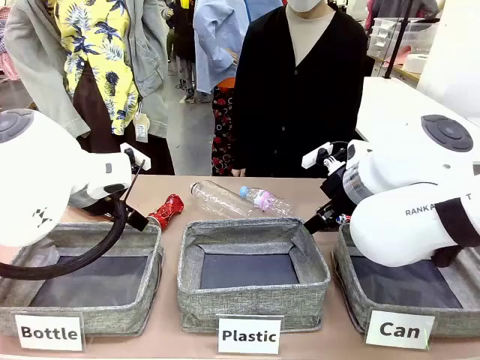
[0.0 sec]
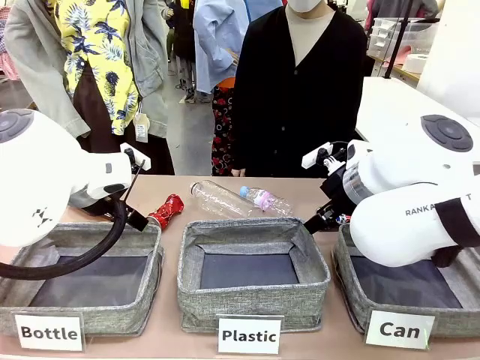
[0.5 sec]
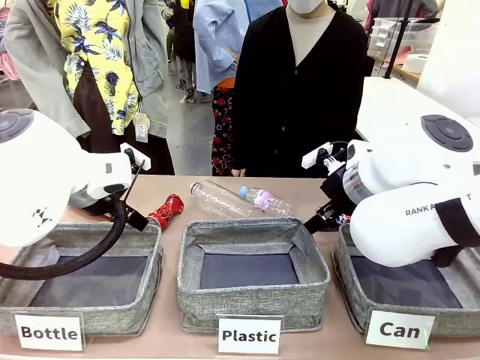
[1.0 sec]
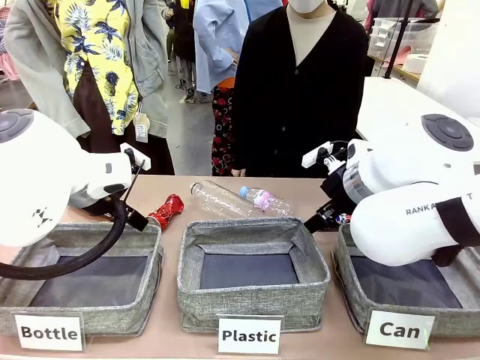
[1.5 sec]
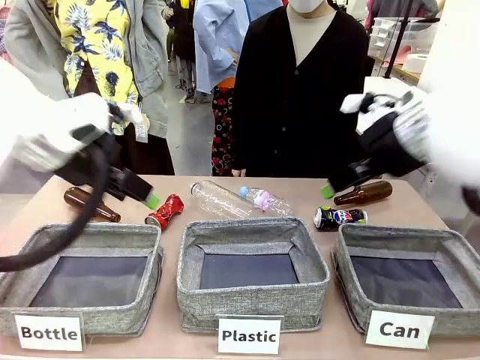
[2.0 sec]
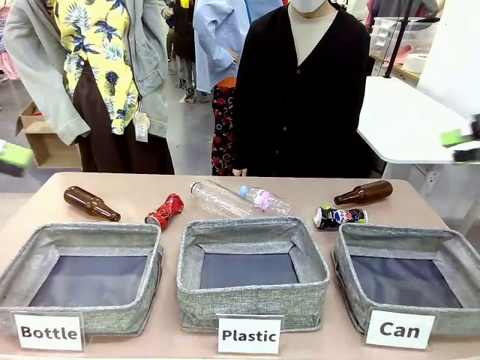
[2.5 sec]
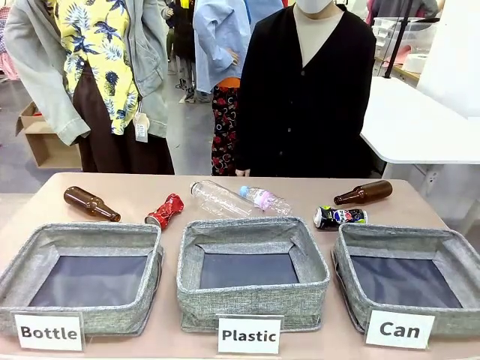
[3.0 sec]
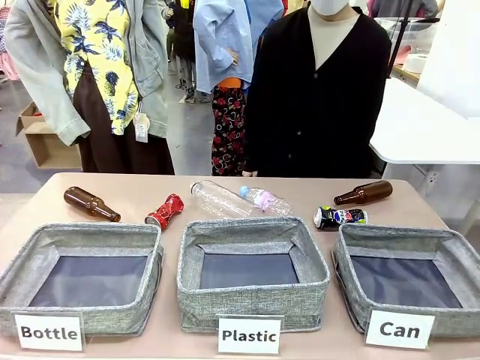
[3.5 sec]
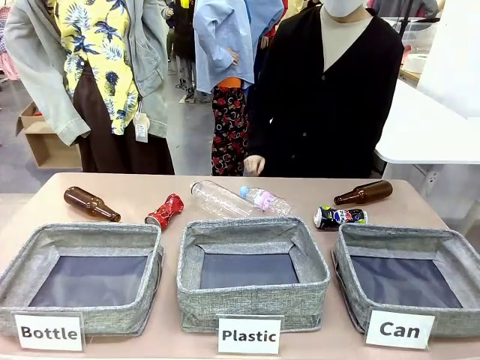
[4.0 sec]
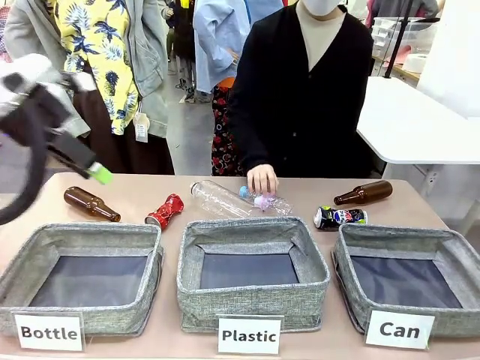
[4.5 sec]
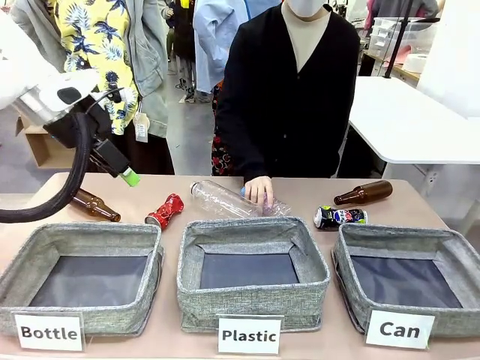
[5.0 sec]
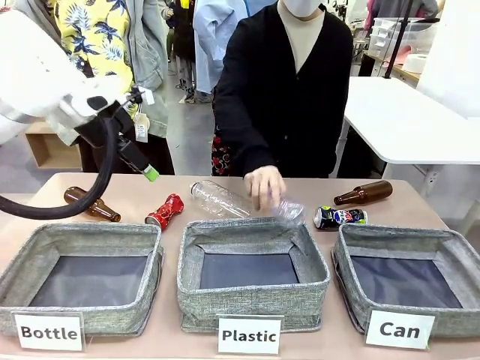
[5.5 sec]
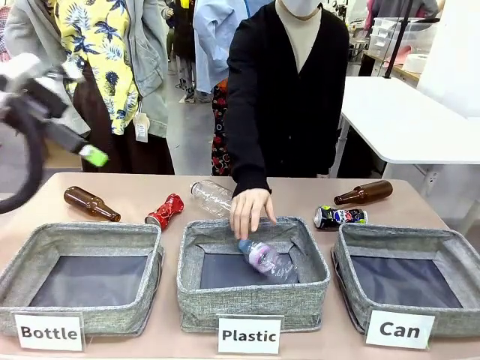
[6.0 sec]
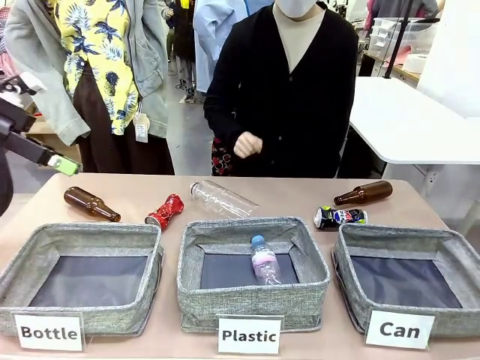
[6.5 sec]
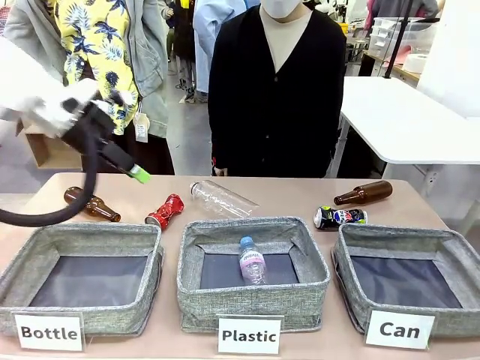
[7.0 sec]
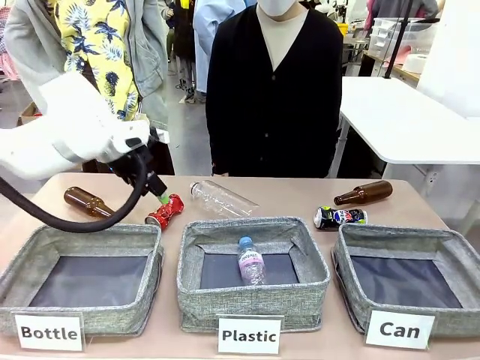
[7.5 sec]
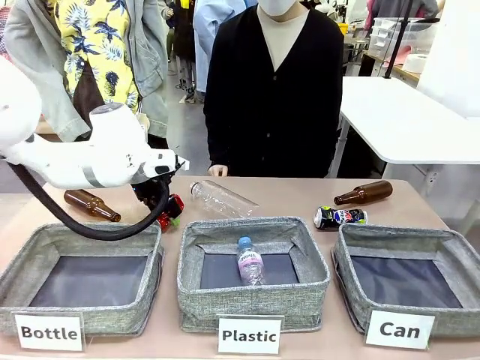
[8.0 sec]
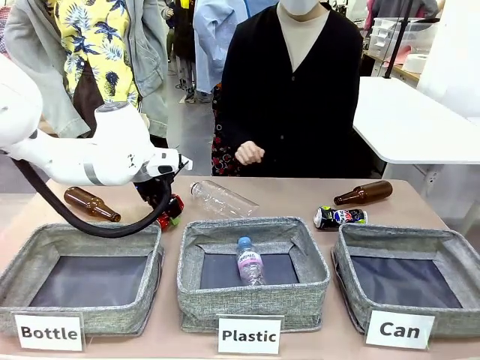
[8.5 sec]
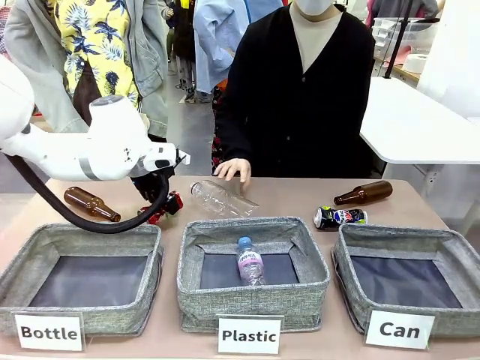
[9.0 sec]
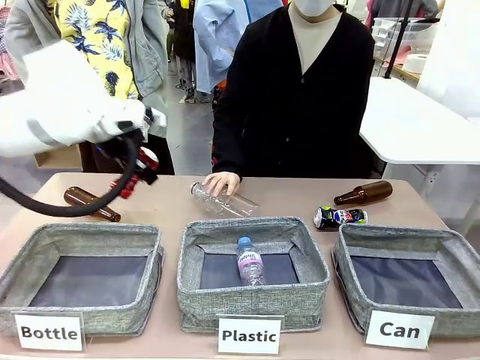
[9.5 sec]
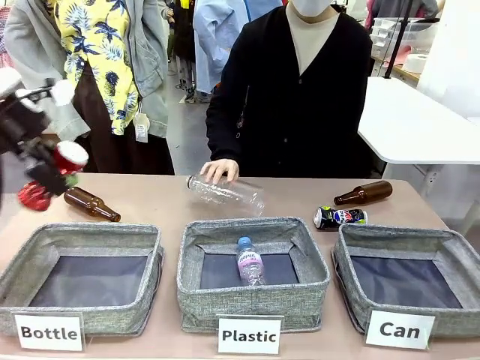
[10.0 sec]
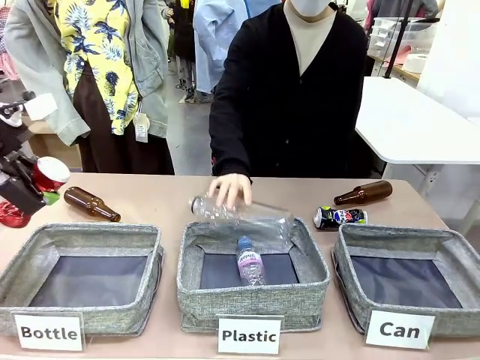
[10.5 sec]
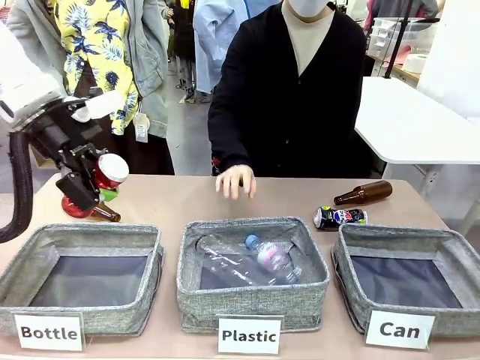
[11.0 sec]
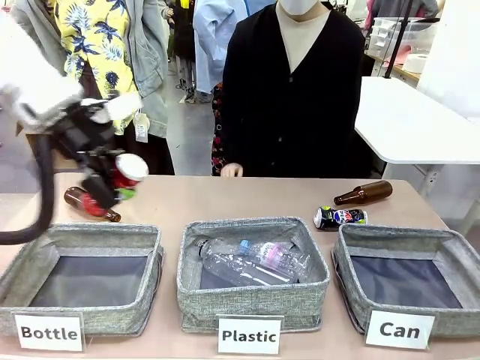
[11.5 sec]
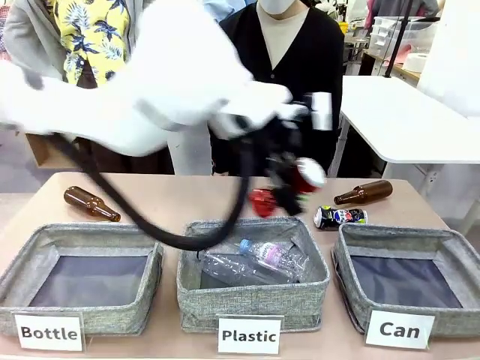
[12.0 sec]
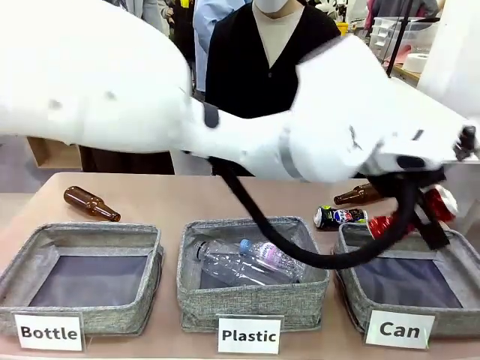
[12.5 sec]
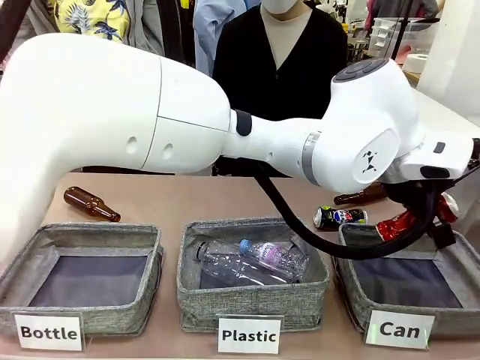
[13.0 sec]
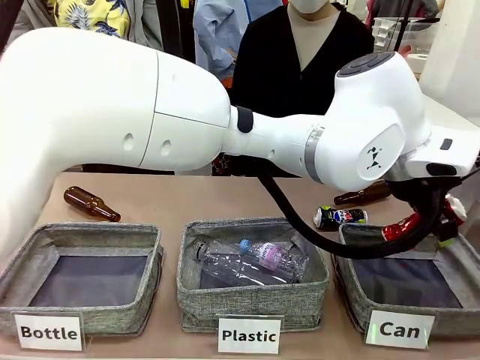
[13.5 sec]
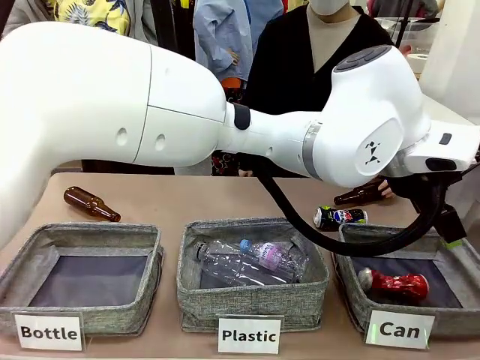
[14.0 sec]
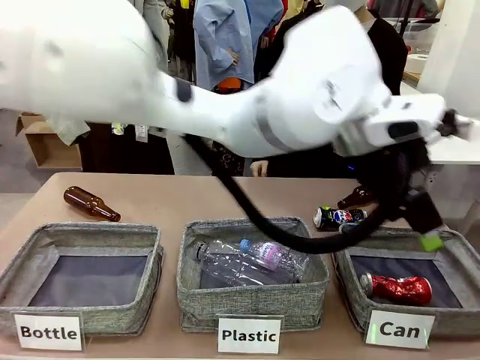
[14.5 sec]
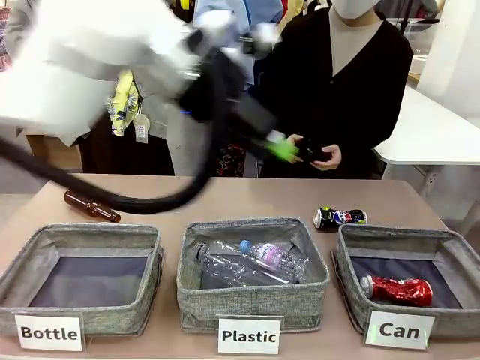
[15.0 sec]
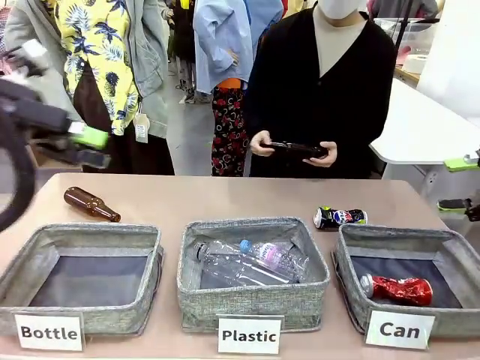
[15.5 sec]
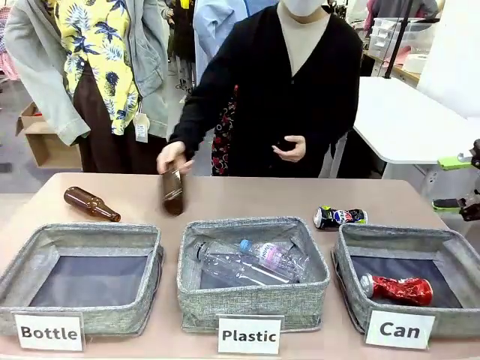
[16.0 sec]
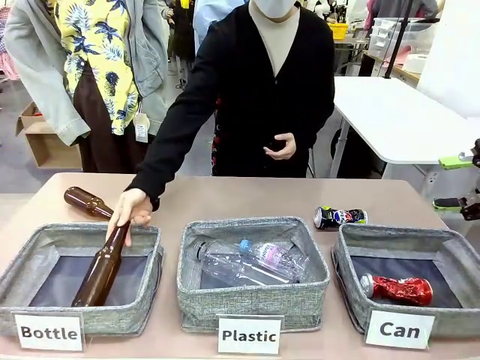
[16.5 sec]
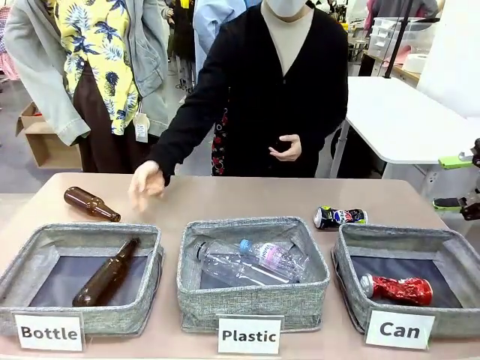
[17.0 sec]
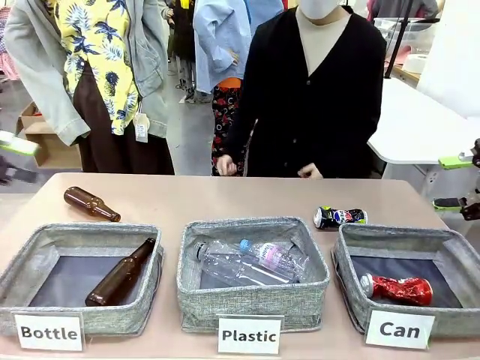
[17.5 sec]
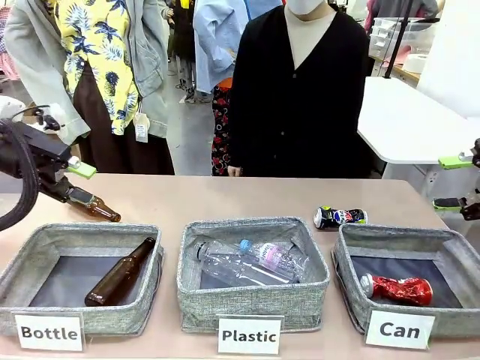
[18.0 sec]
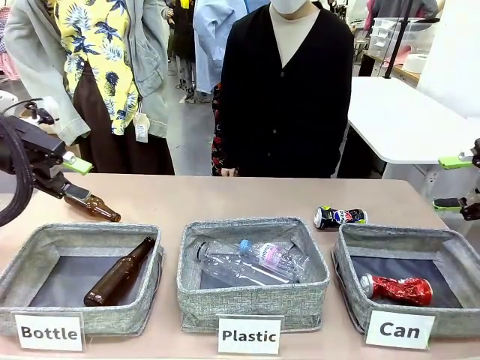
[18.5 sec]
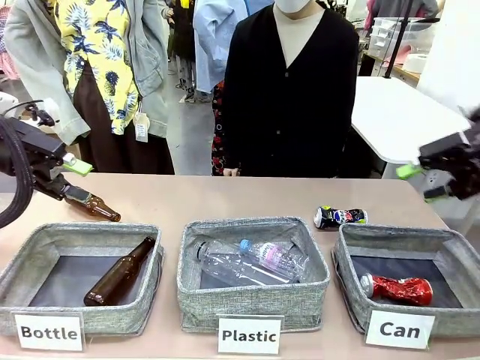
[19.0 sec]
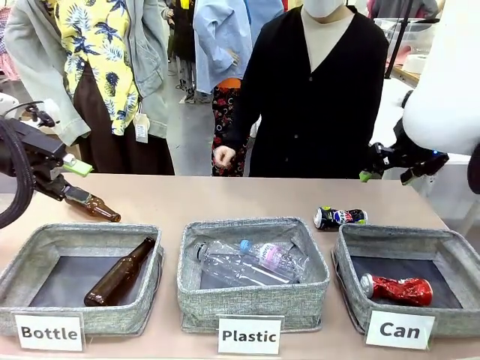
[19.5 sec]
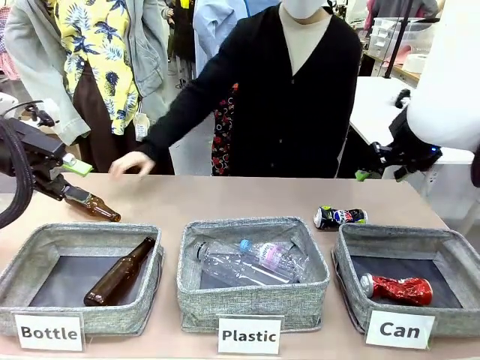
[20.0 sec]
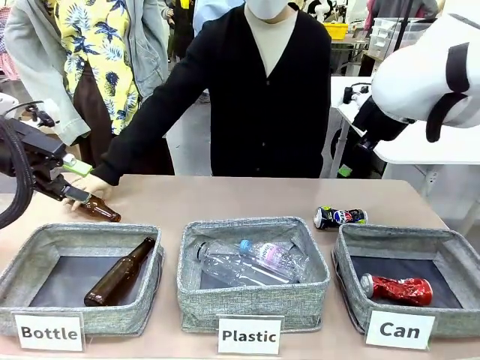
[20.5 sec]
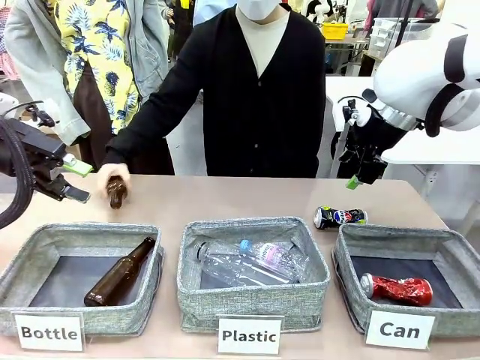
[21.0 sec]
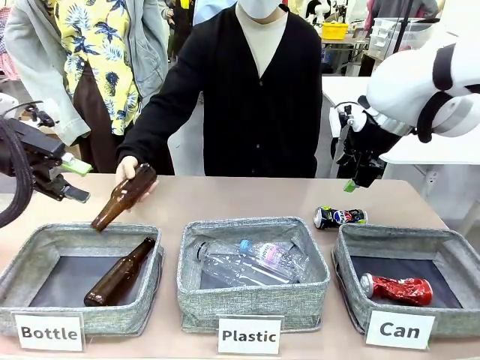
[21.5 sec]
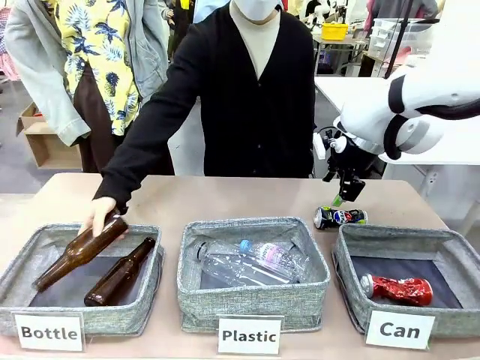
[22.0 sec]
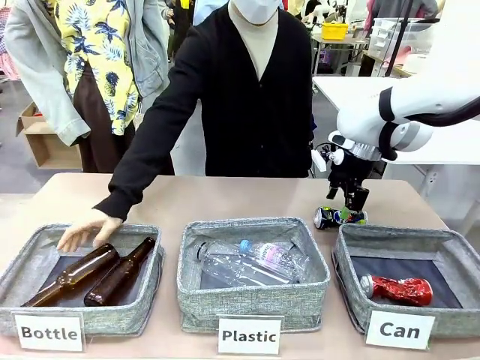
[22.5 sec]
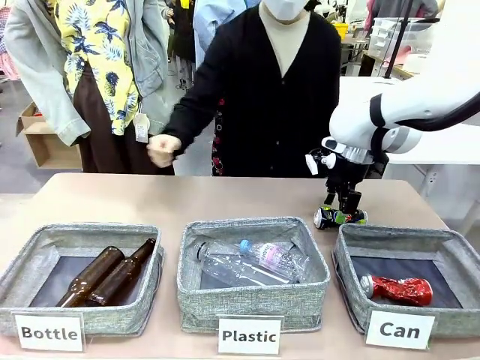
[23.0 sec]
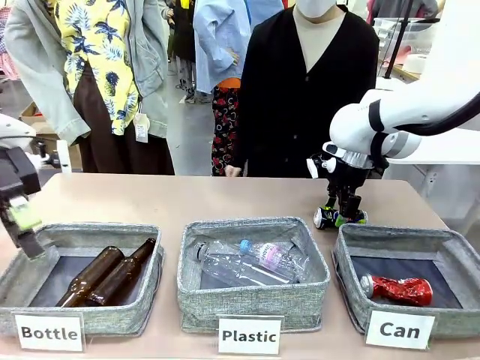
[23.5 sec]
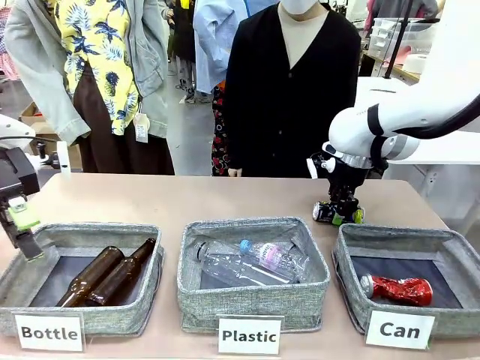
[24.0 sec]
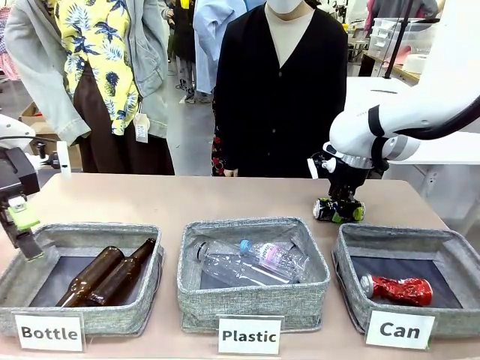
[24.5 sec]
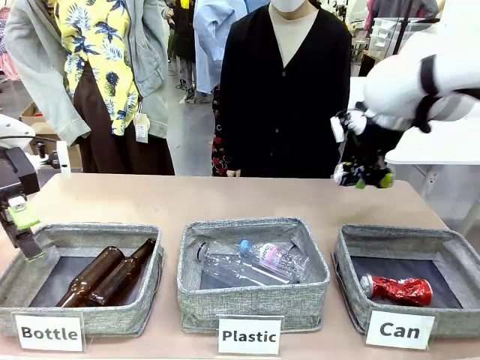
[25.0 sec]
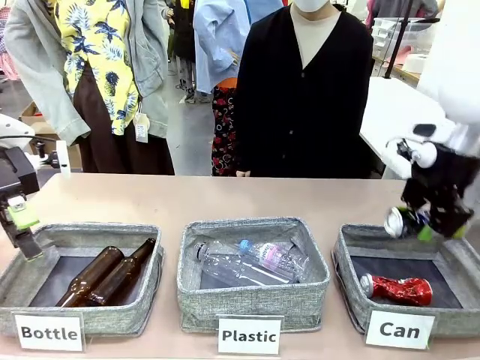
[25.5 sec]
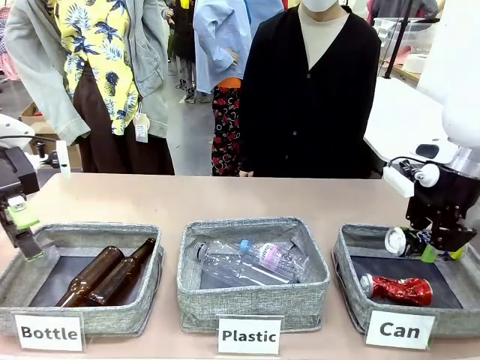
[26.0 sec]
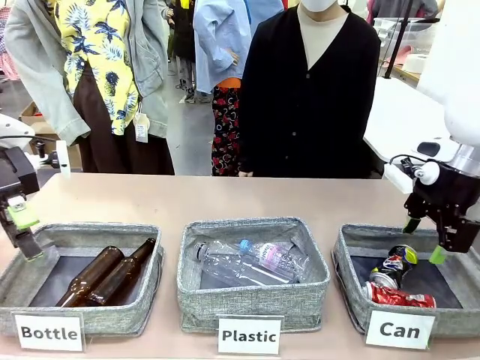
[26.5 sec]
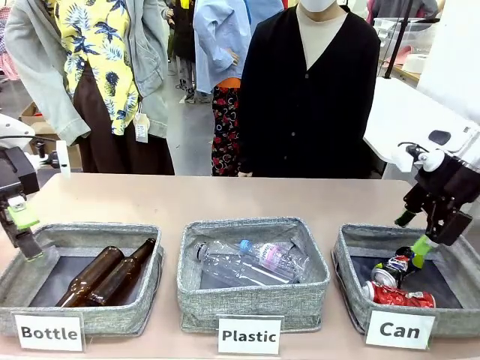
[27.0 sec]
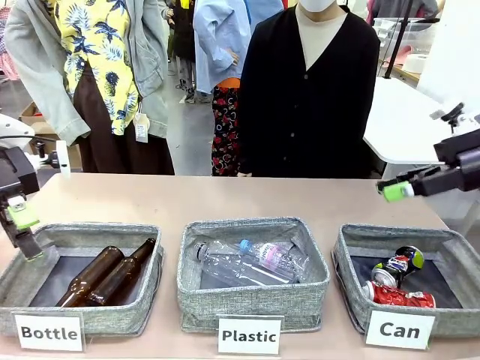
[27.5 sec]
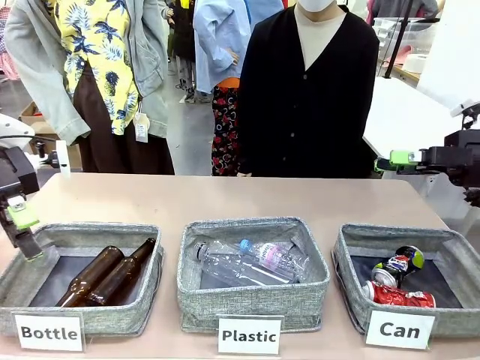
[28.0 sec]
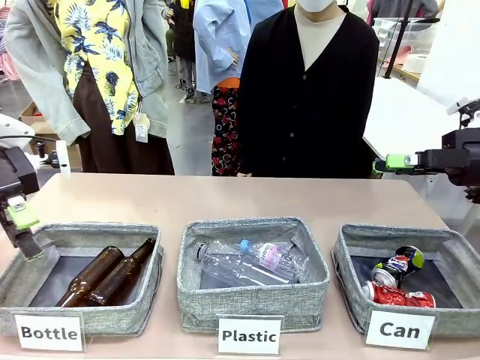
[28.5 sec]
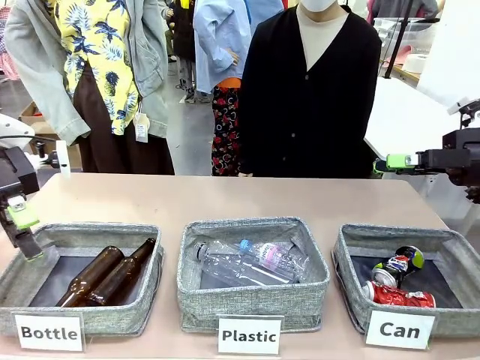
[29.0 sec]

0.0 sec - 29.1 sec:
Task: Sort the can waste into the basket.
Robot: Pick up the can waste from the table and place it in the right Fabric basket.
Person: The human picks up one piece of trash that is not a can and places the trash into the appropriate organizing basket.
